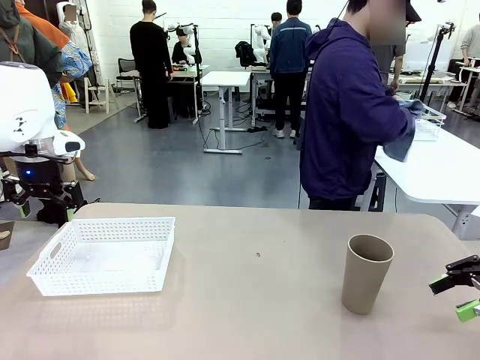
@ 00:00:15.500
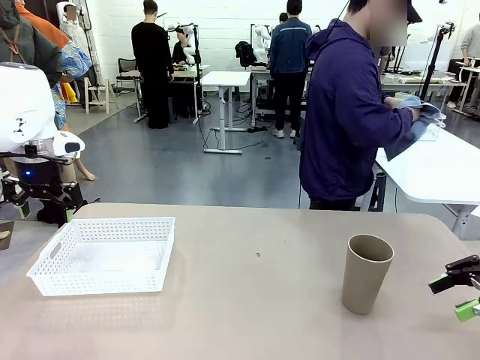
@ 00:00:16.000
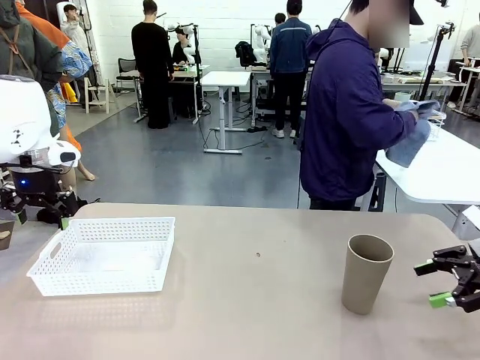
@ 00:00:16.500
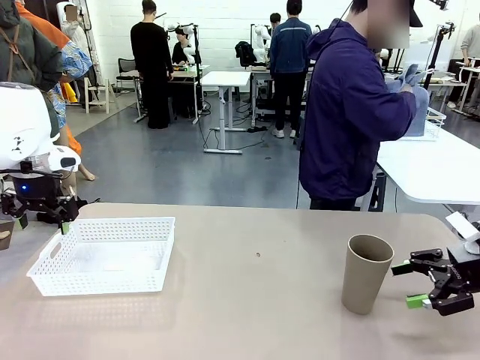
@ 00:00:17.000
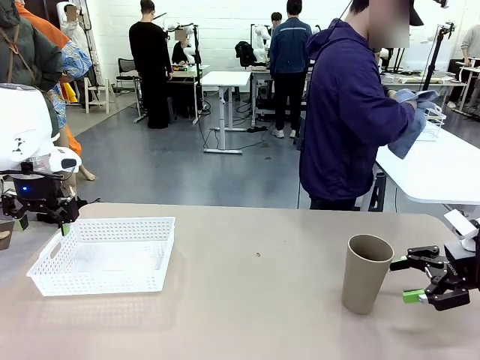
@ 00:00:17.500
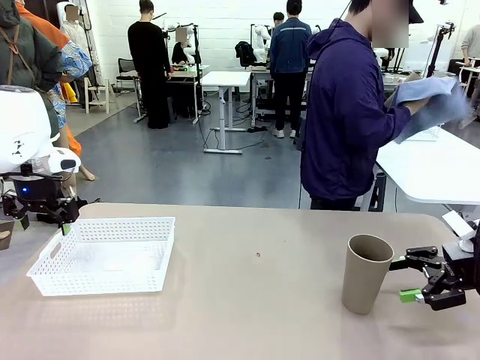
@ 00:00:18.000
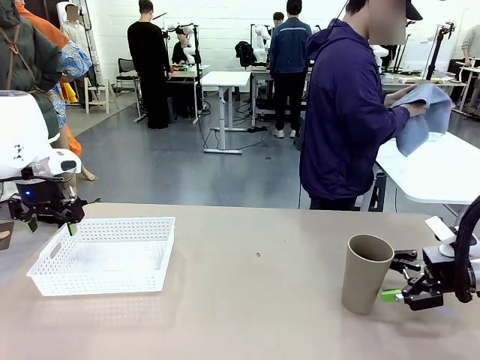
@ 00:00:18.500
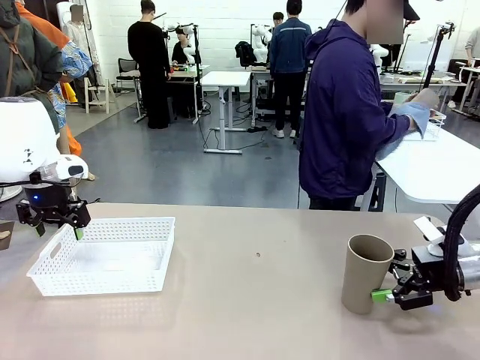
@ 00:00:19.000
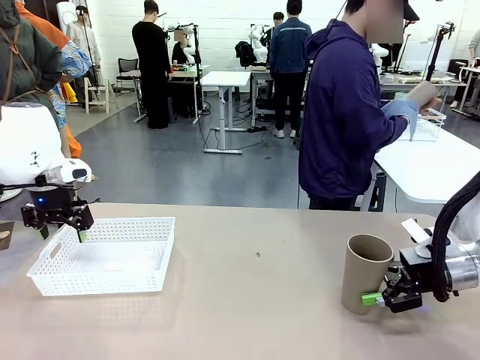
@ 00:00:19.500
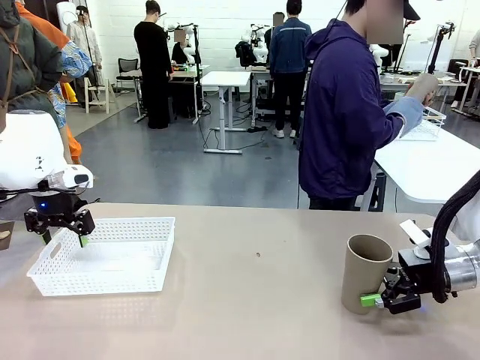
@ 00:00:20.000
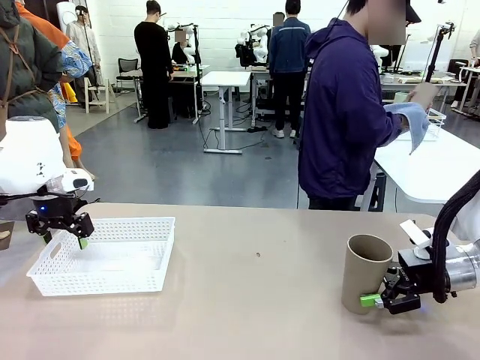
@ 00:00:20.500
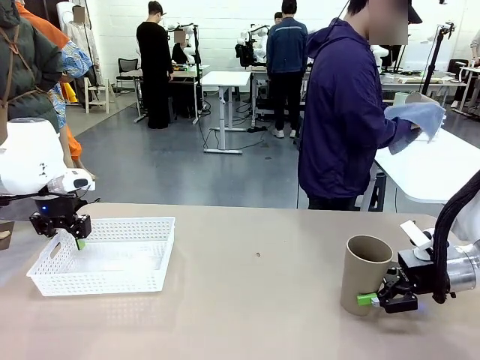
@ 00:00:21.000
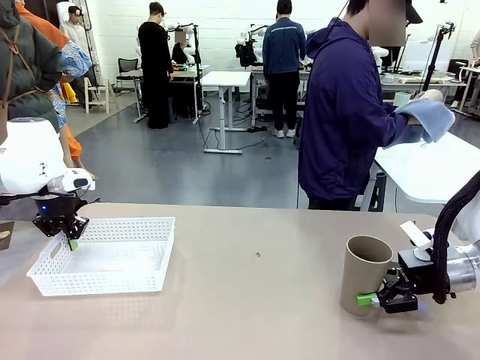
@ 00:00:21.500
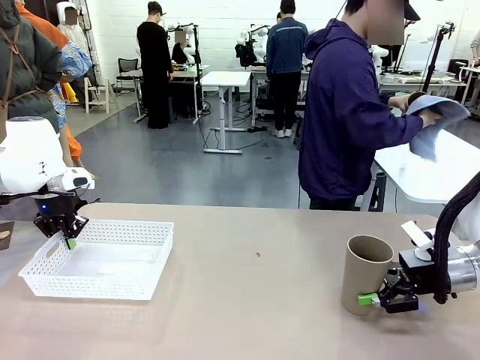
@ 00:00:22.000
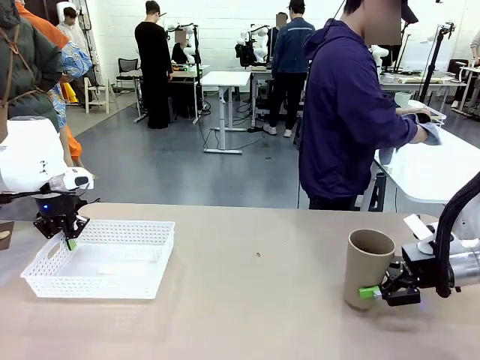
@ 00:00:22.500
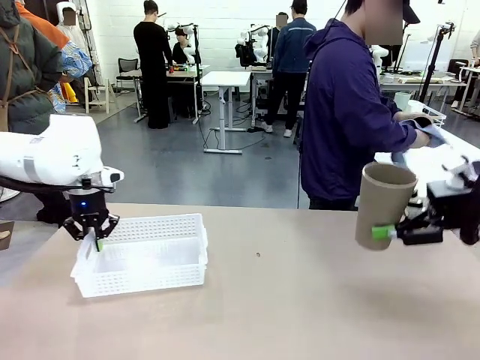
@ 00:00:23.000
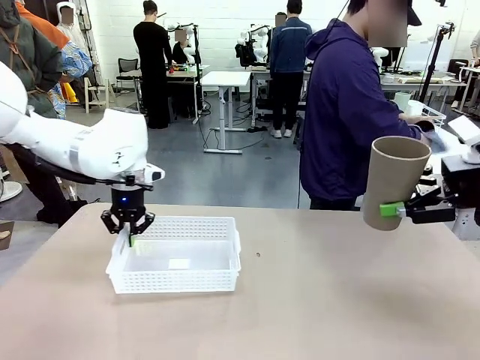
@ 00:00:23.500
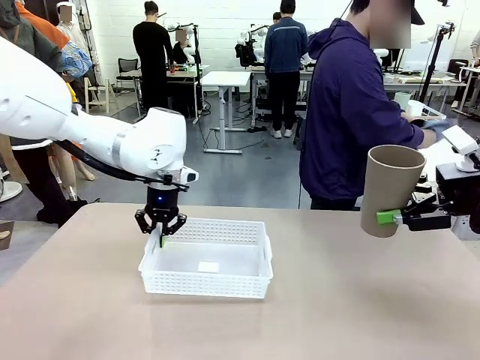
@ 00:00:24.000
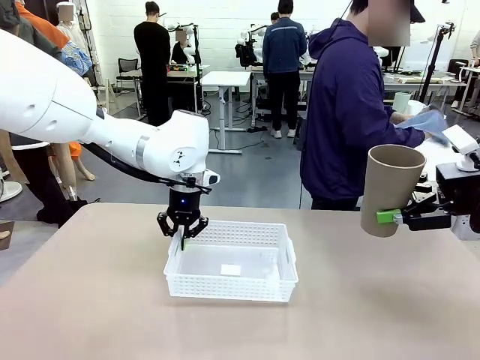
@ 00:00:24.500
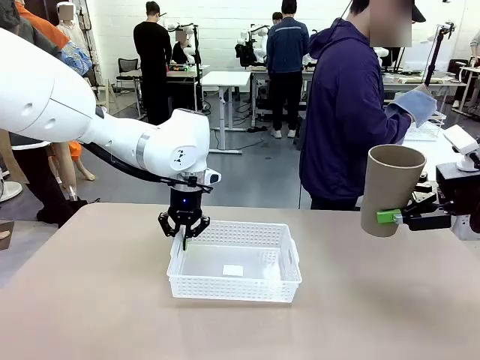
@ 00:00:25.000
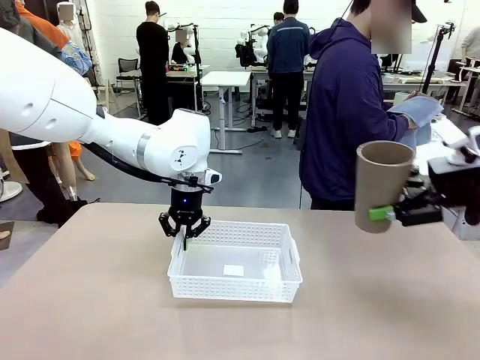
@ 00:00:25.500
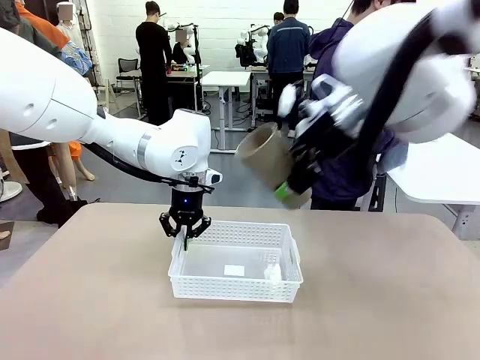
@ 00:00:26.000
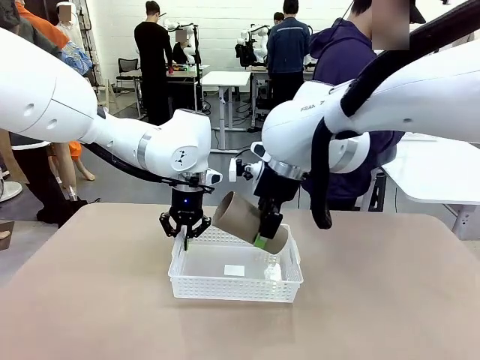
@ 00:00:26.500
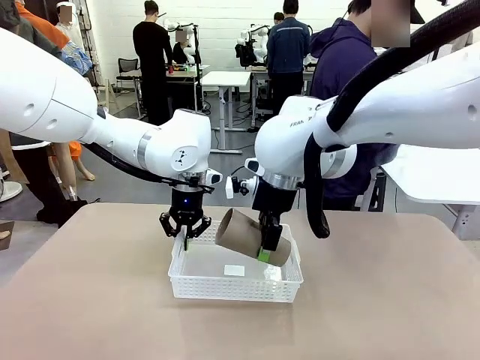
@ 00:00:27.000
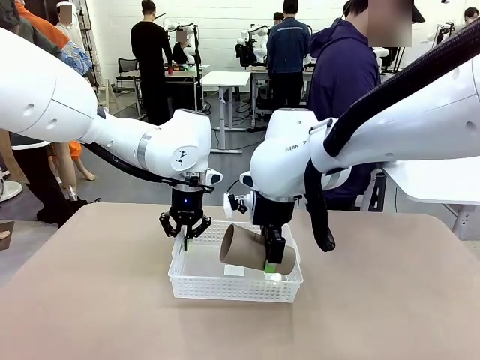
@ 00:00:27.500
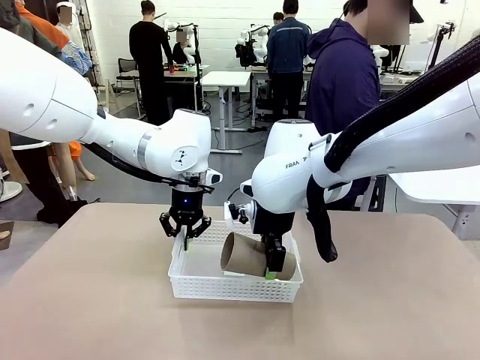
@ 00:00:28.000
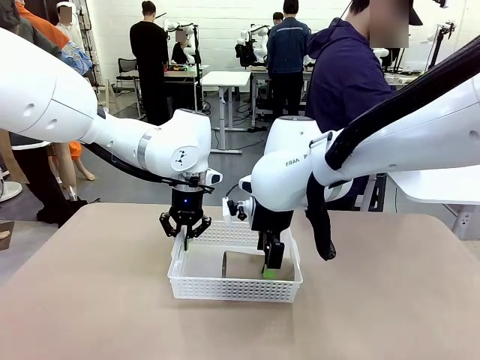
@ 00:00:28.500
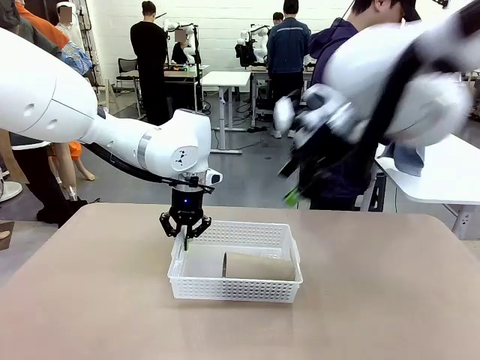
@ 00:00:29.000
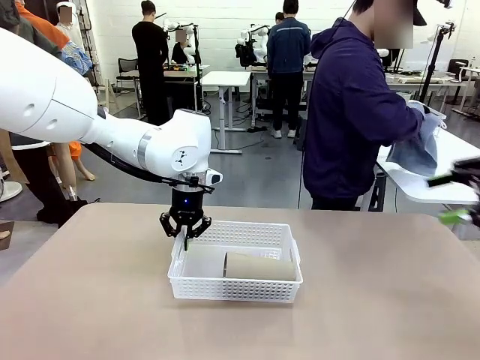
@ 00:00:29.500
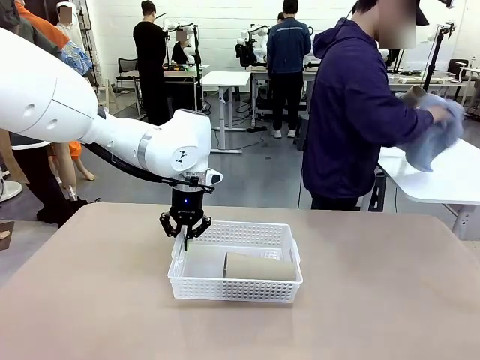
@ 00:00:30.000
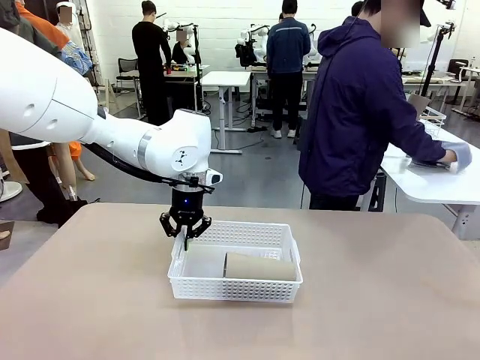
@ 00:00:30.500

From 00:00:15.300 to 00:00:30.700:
Task: Clean and organize the cups into the basket.
Robot: Pick up the Organizing basket and move it to the center of the table, then pick up the Reusable plastic cup from the right side of the table and place it inside the Organizing basket.
